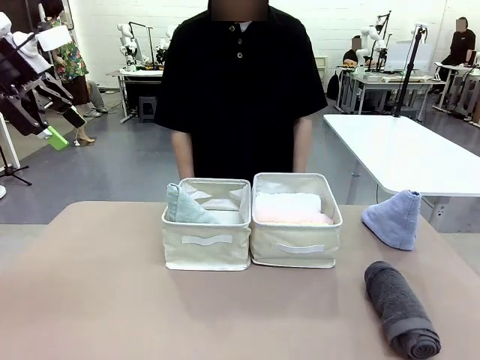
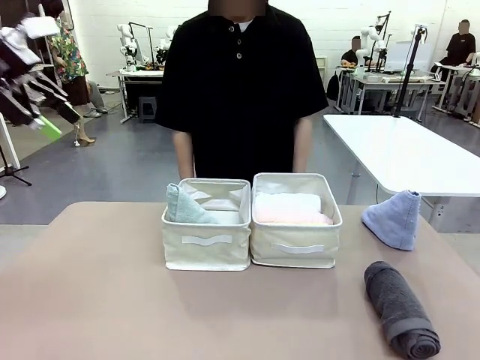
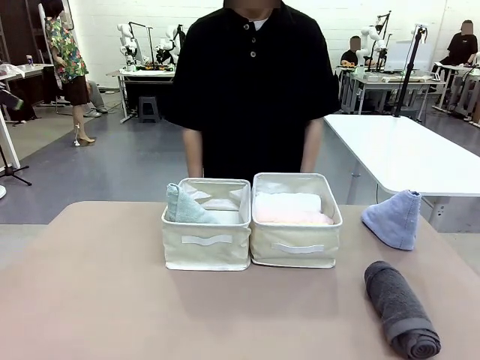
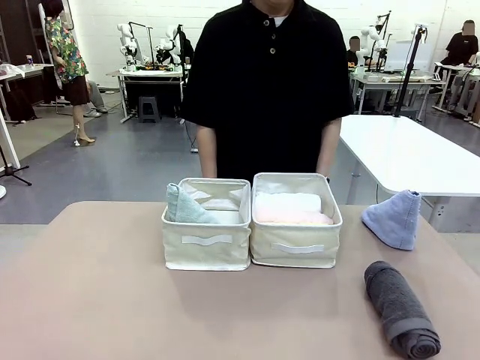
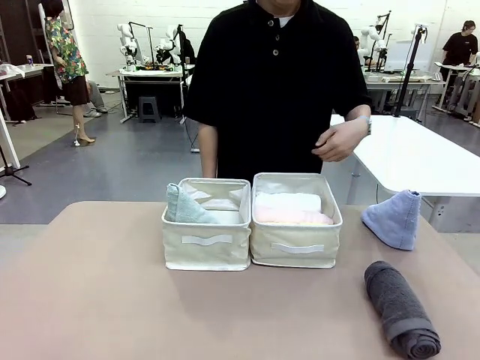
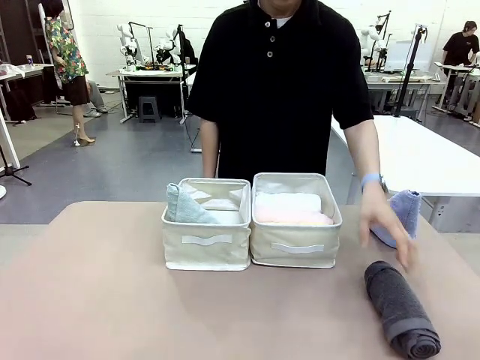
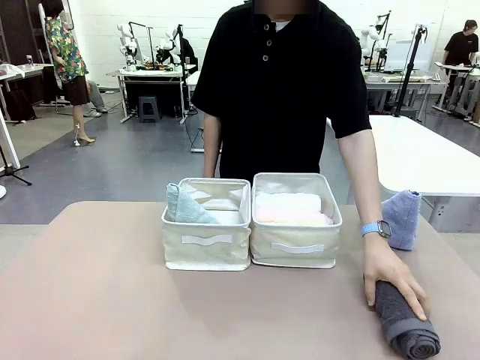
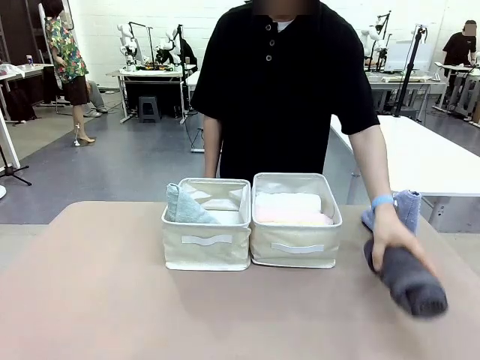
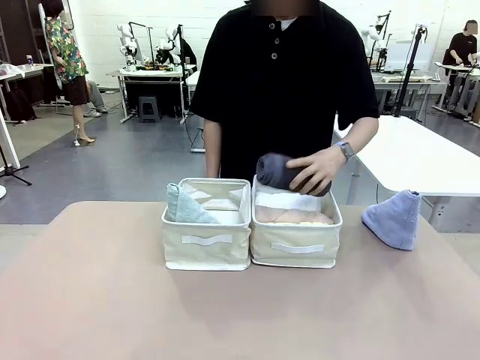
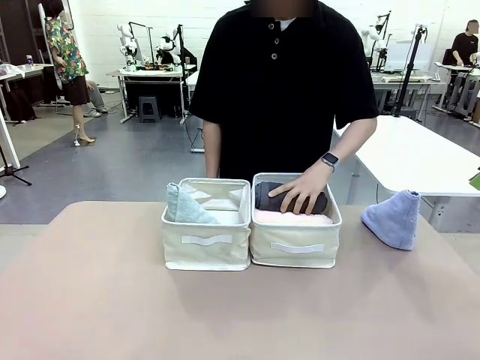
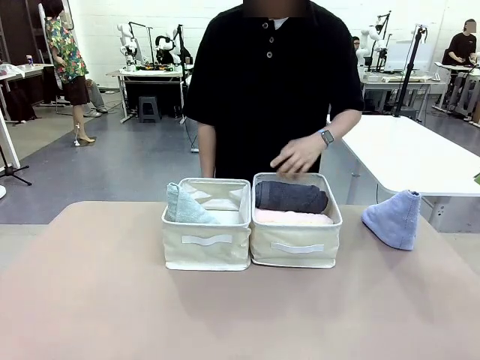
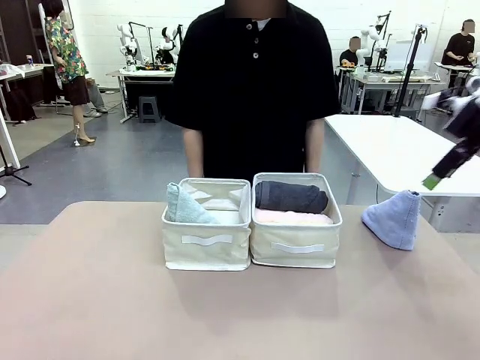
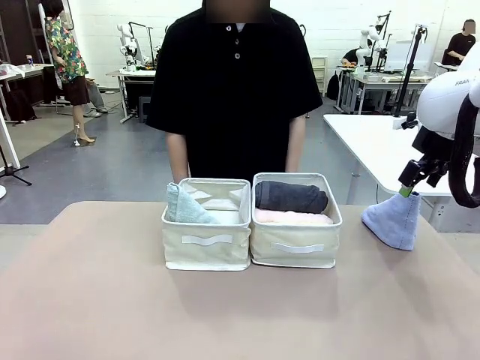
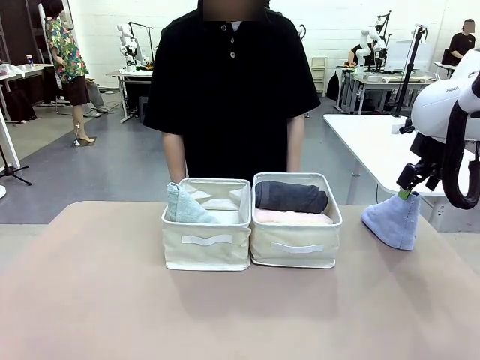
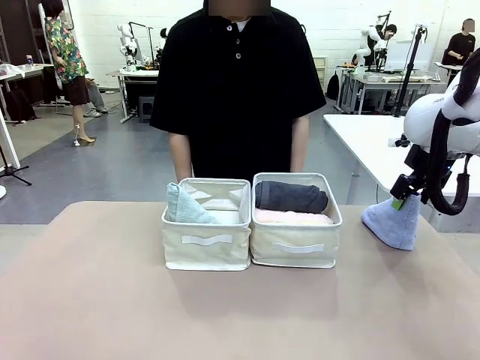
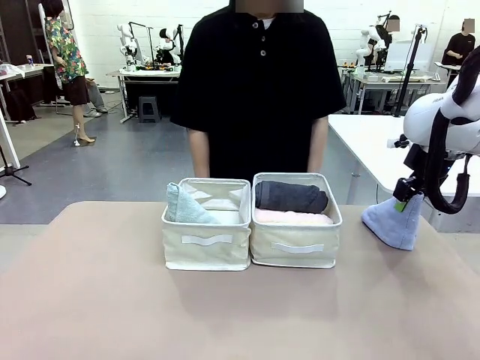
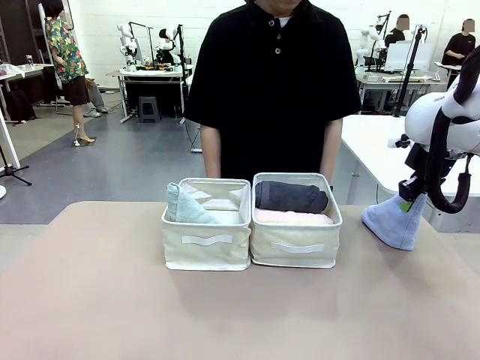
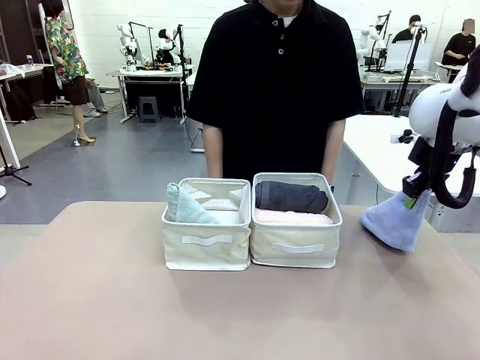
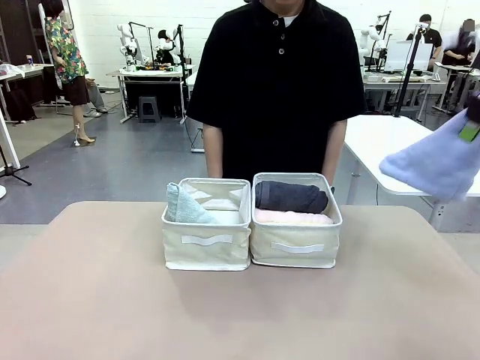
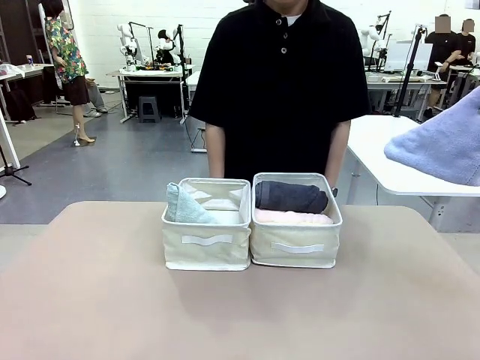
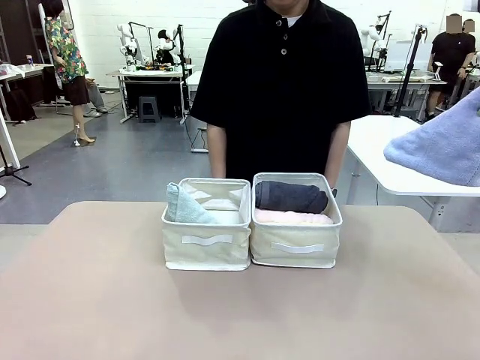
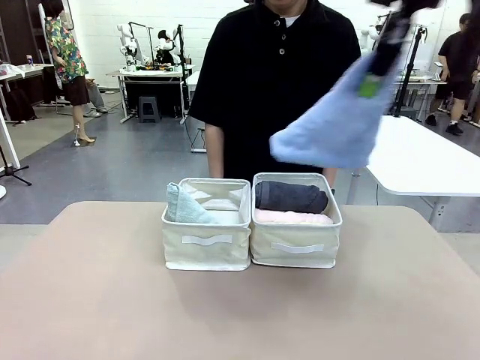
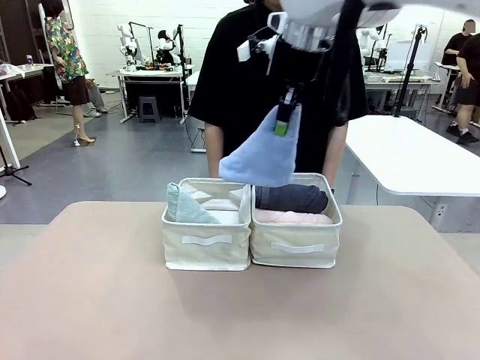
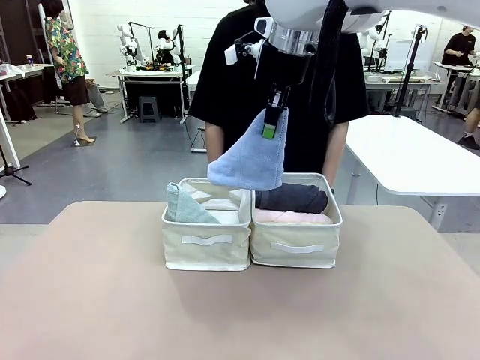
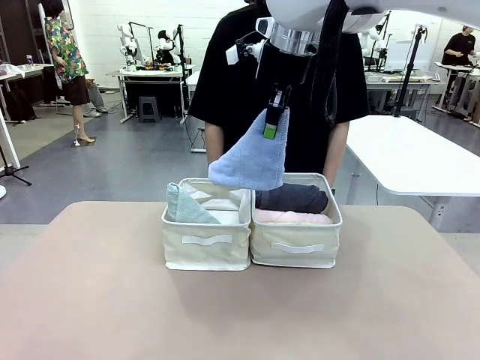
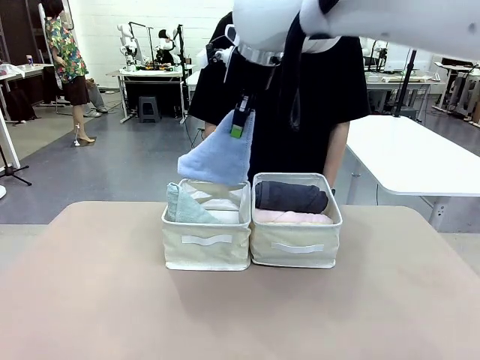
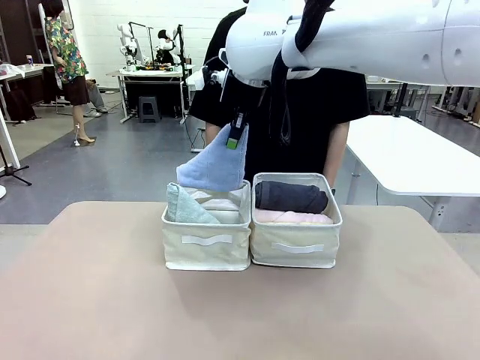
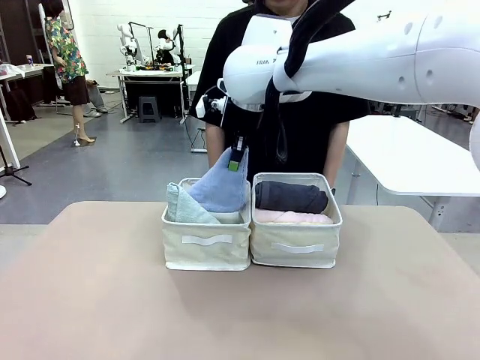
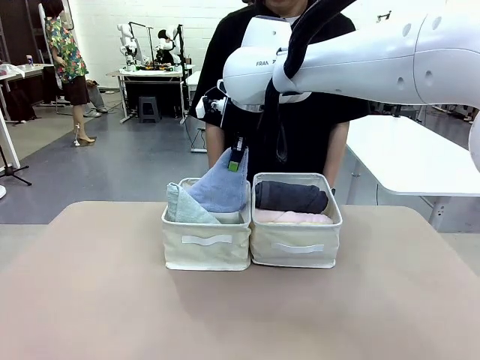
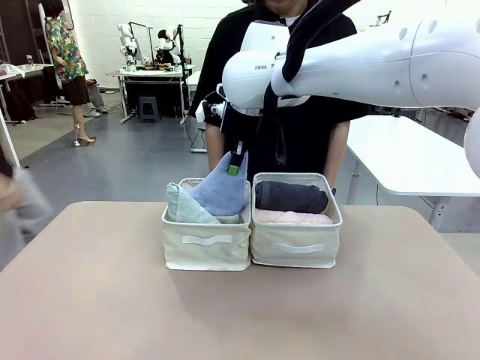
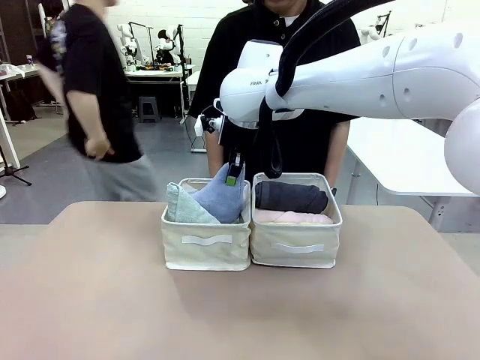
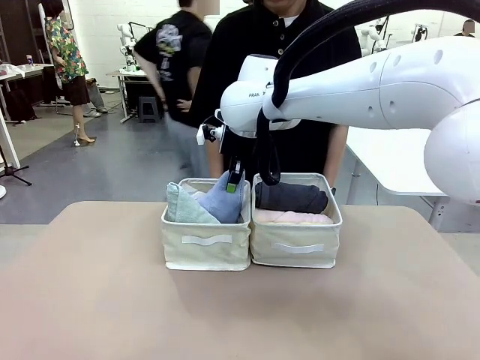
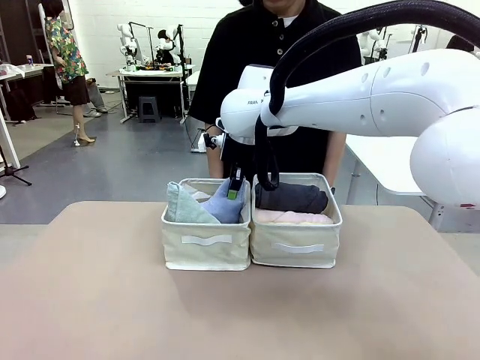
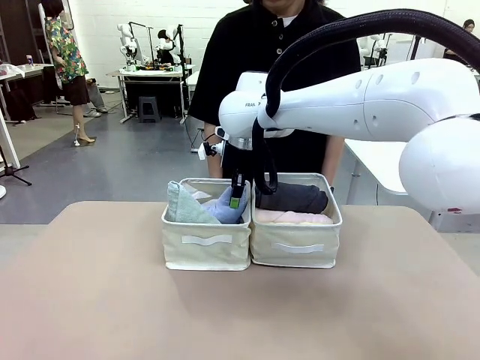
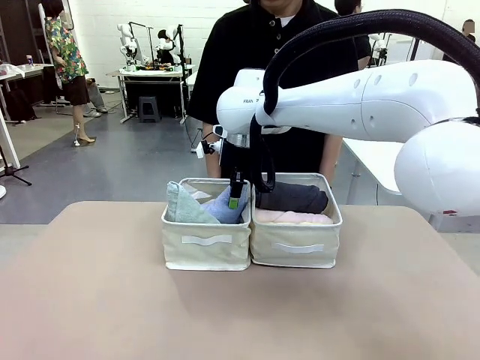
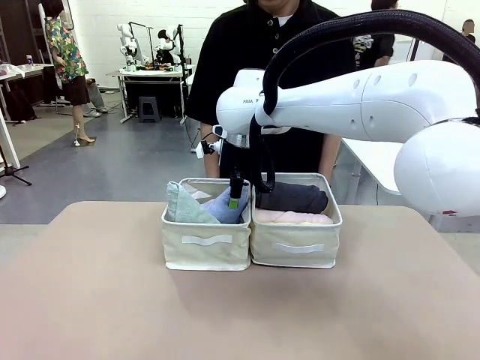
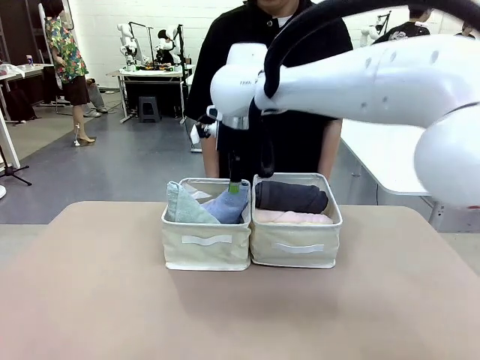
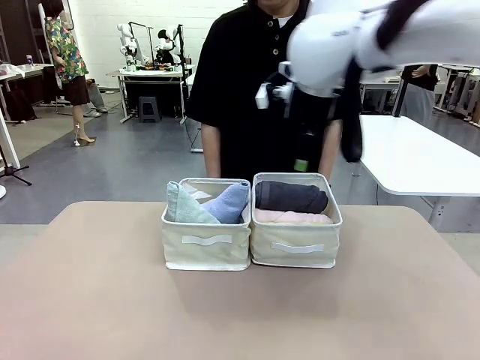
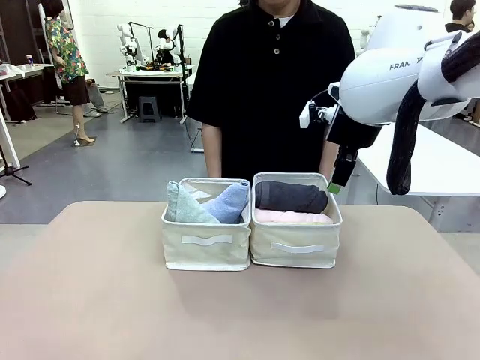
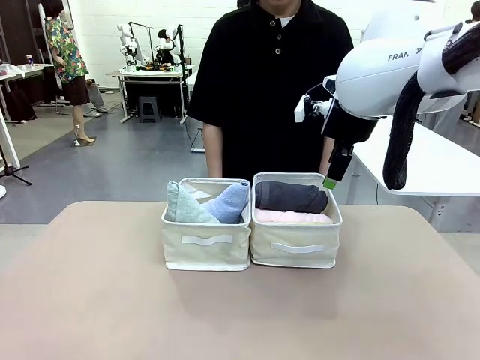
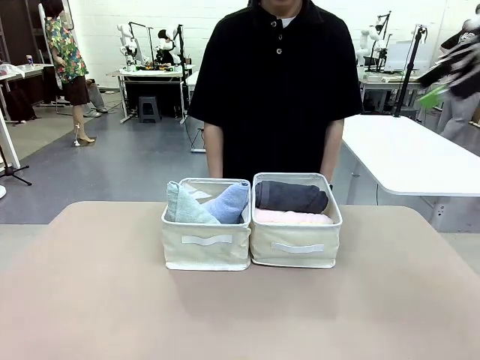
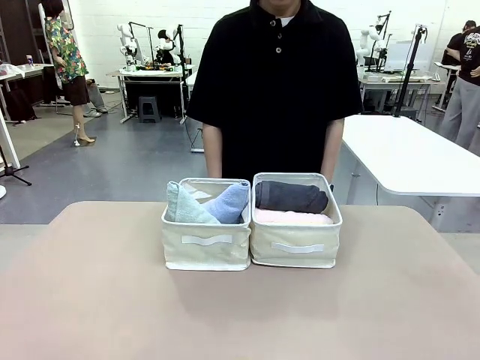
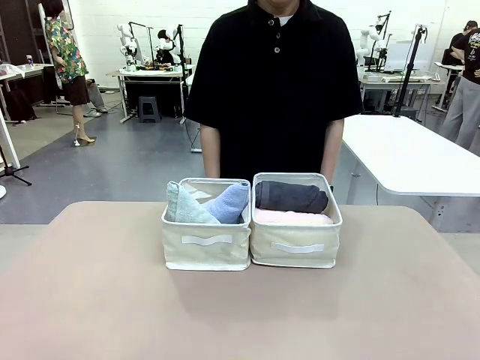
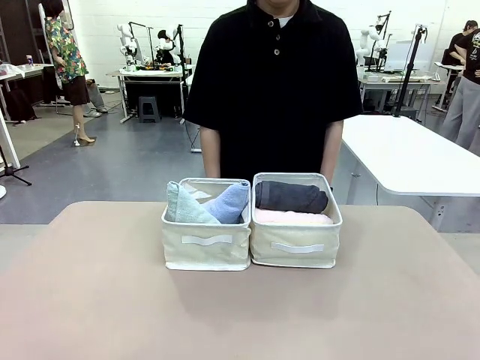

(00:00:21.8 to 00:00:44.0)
Task: Sort the towels based on their folding style.
Robot: Pick up another triangle-folded towel from the table and place it in the left Fabric basket.
Person: Pick up one hotel-style rolled towel from the table and place it in the left fabric basket.
